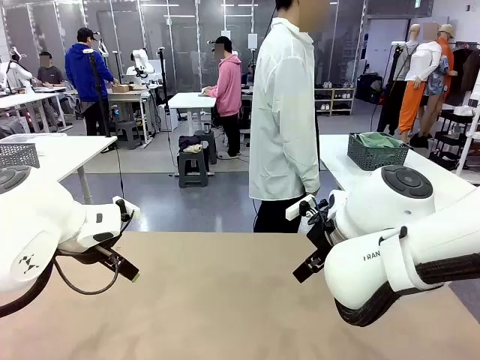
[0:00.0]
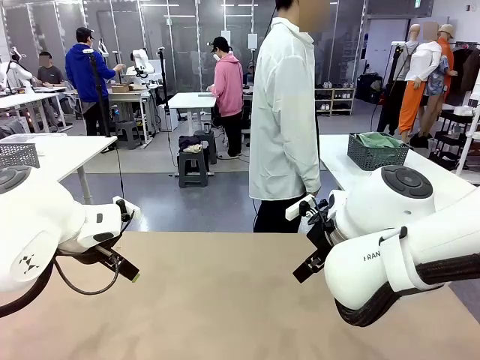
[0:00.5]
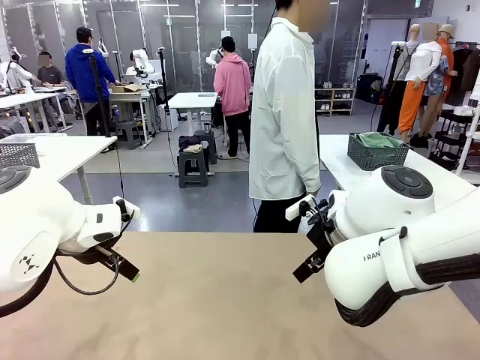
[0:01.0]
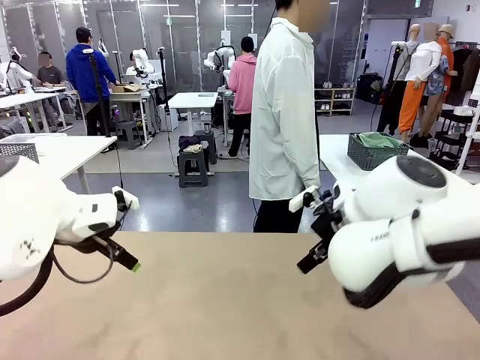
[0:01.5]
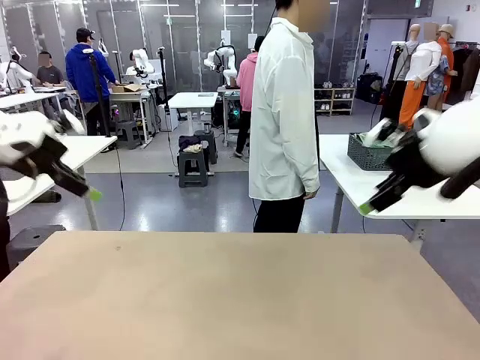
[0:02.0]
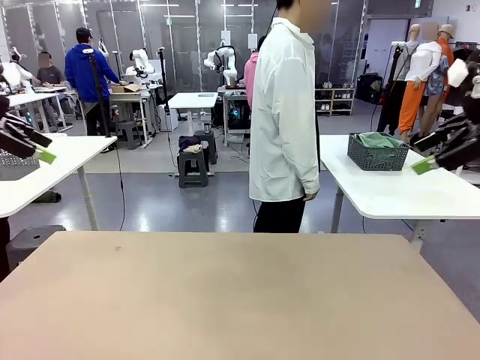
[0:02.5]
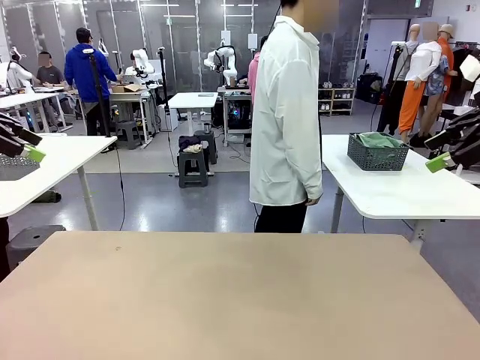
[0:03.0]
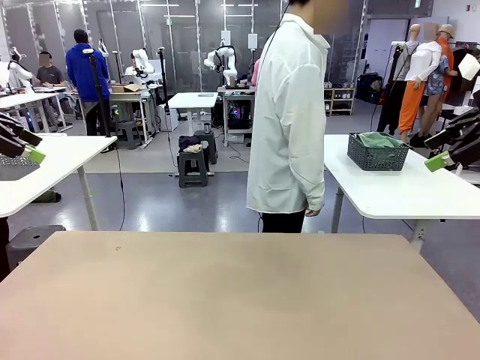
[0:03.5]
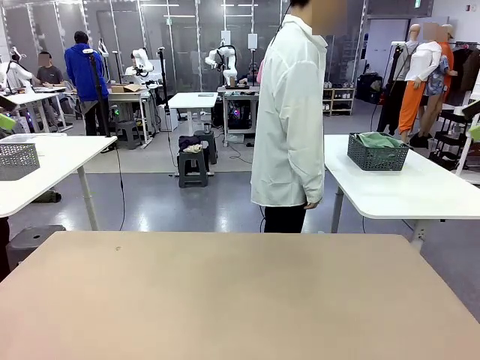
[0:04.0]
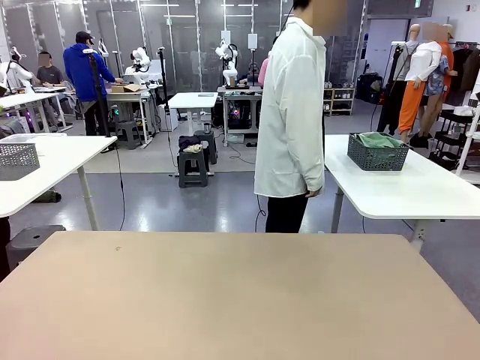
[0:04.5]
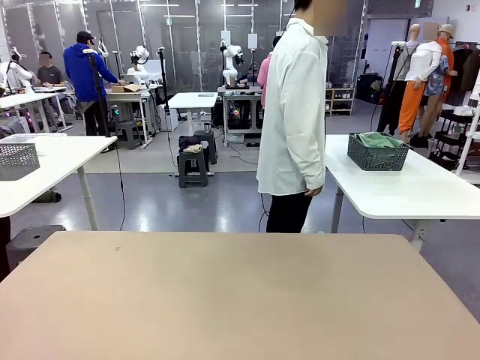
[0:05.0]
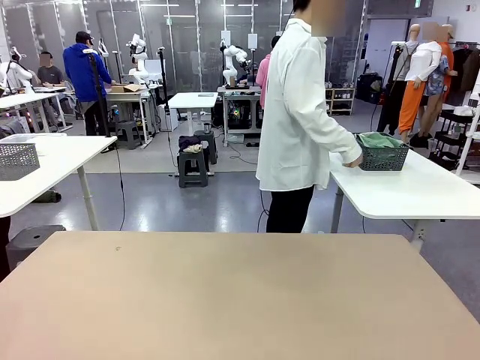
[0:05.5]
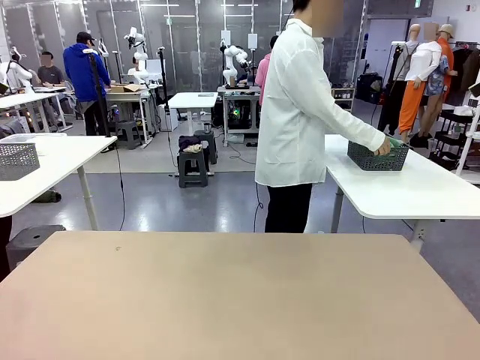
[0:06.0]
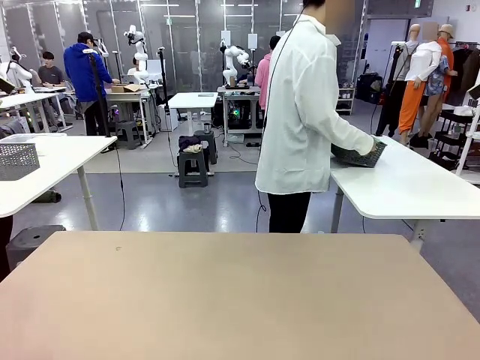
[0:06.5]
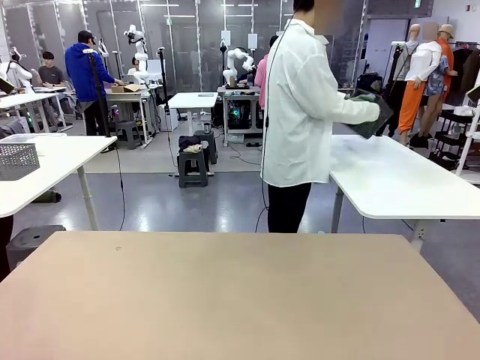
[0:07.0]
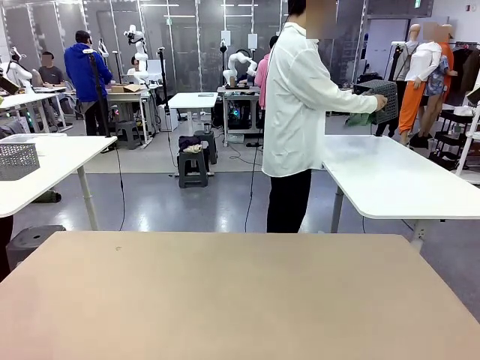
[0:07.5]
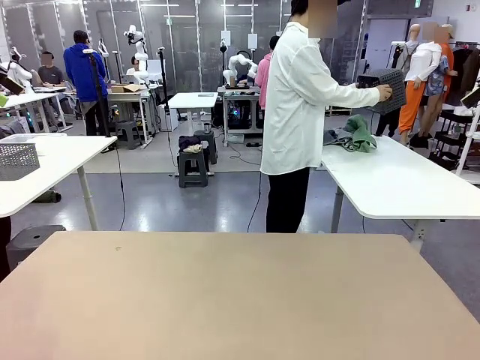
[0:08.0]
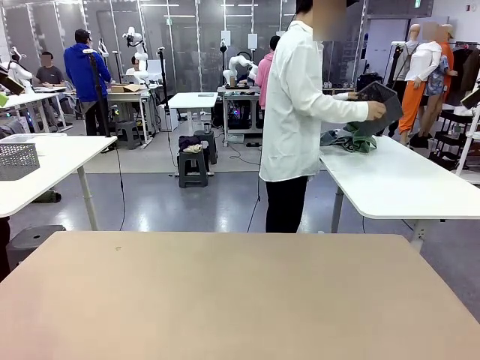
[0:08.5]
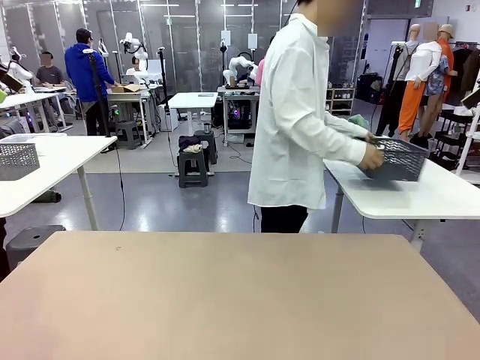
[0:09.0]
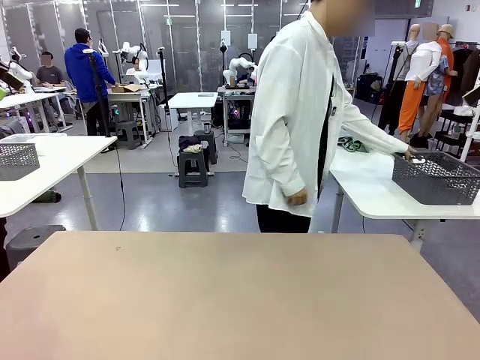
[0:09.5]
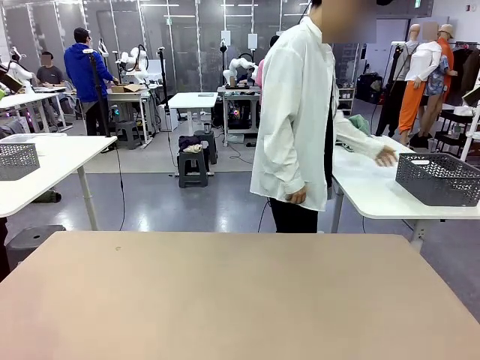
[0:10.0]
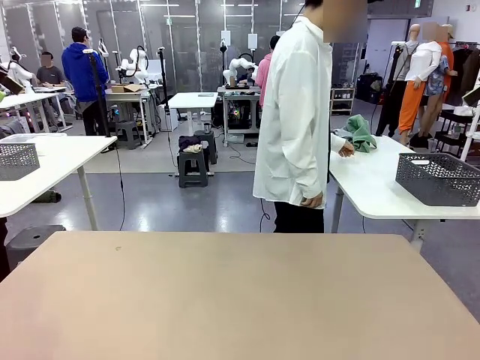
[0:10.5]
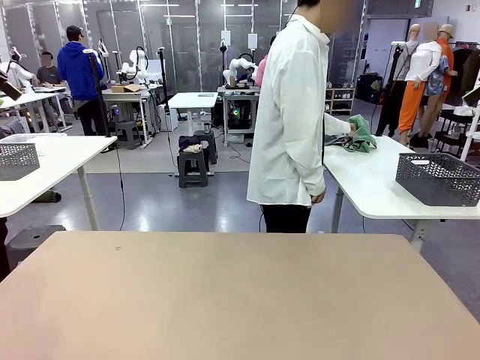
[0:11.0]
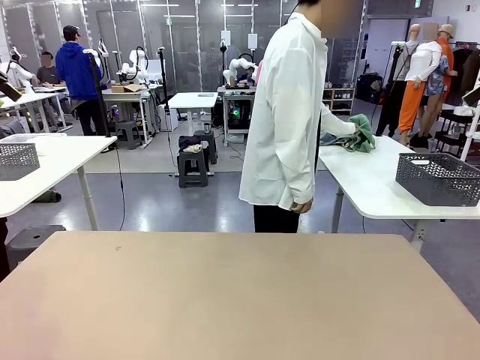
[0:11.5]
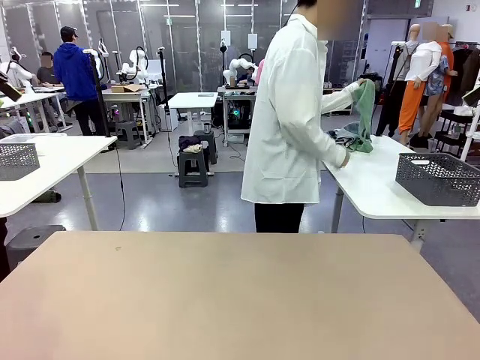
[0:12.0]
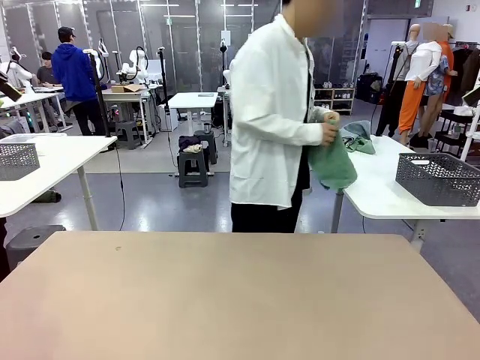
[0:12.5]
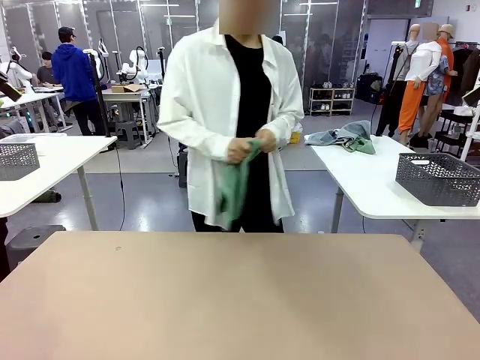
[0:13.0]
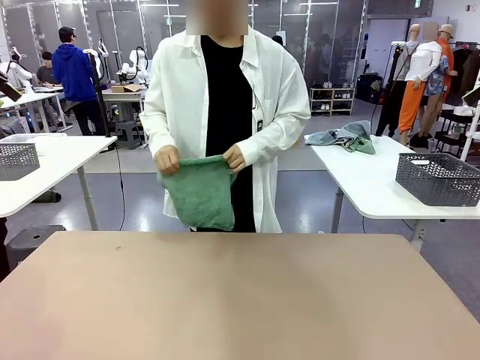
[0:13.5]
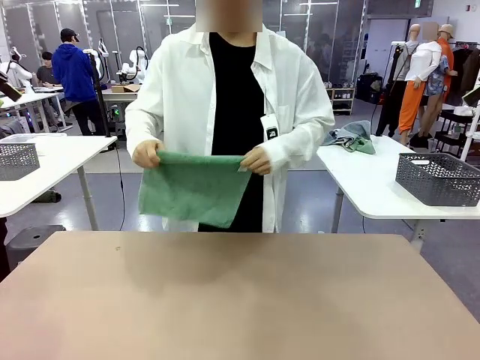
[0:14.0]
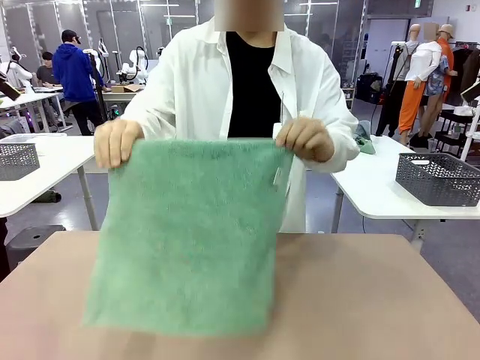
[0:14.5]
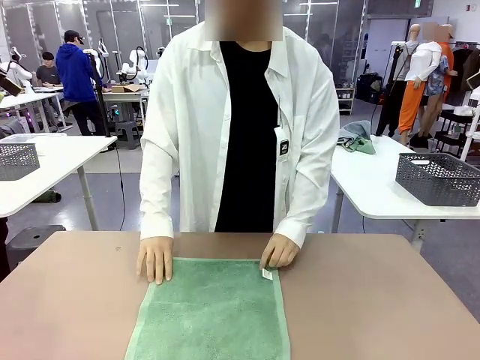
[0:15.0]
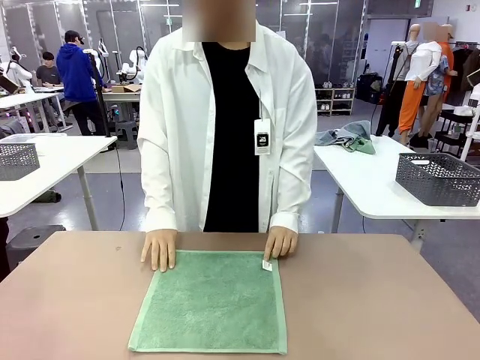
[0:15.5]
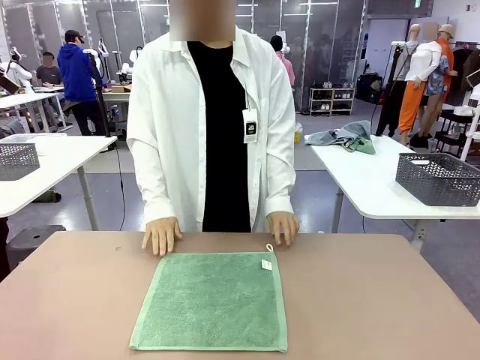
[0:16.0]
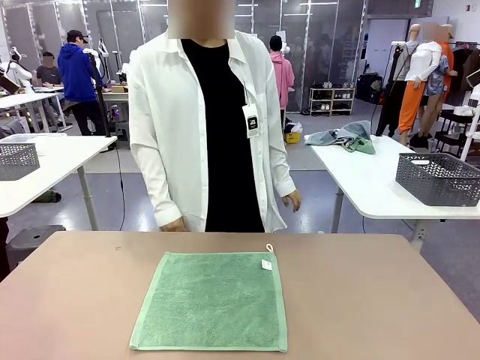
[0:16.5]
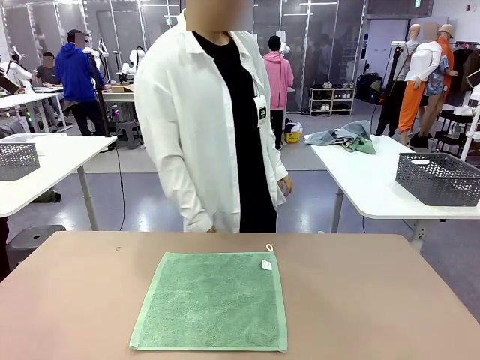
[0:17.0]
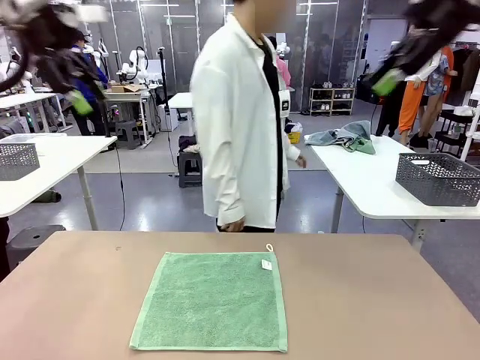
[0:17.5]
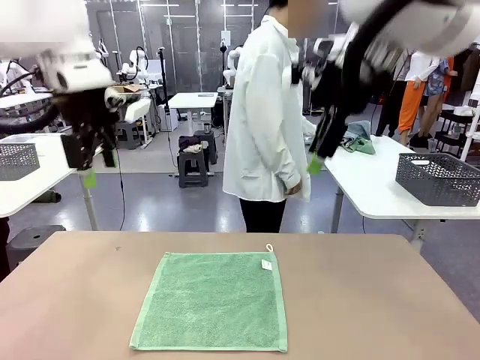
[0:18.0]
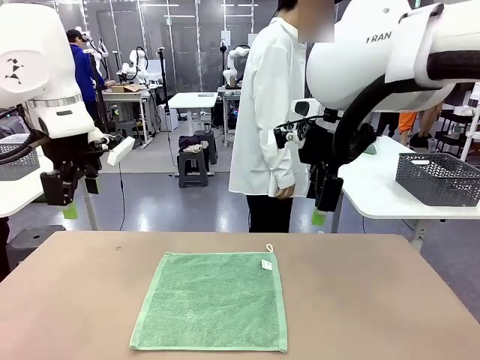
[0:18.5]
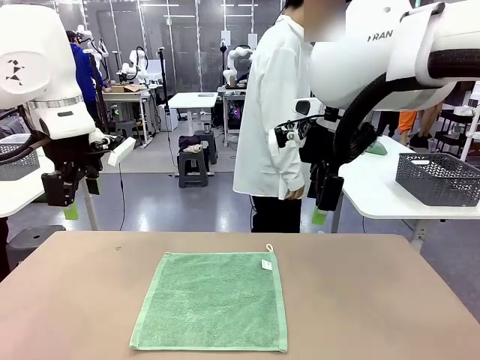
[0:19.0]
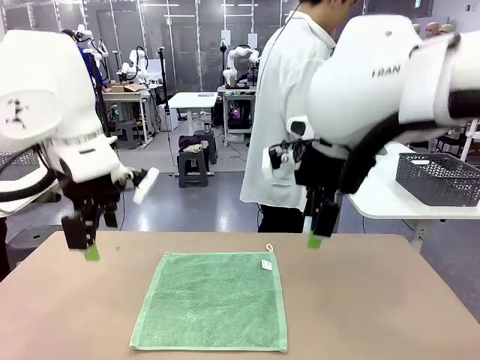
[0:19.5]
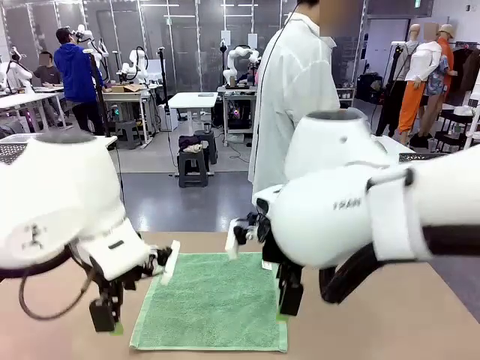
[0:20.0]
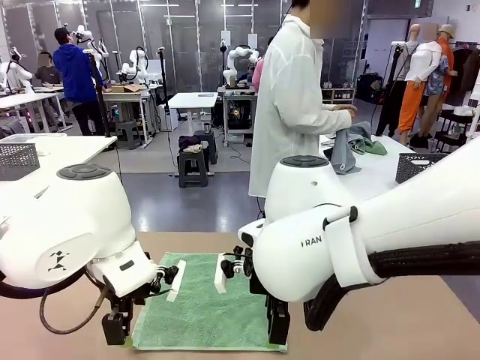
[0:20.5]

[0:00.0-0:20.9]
Task: Fold the towels and place them in the basket.
Robot: When a person lays out a Towel with hook on the table, fold it in half twice.
Person: Pick up the basket, pour the towels onto the left side of the human table, and place the basket on the right side. Pick up one towel and spread it out at the center of the robot table.
